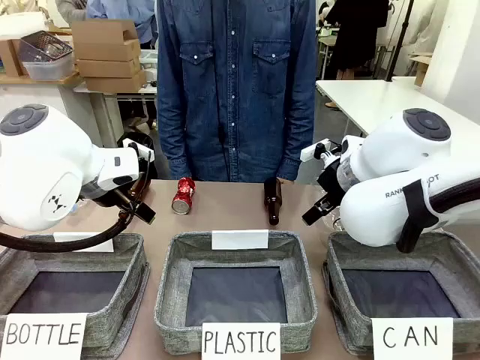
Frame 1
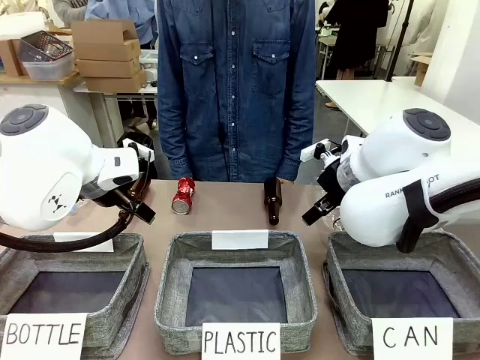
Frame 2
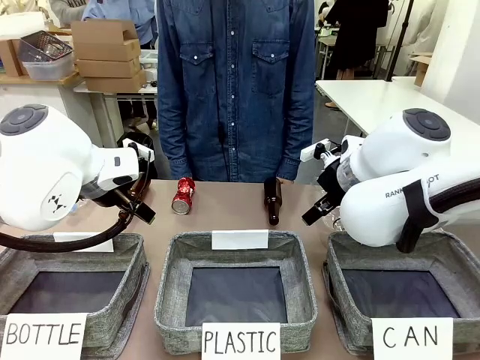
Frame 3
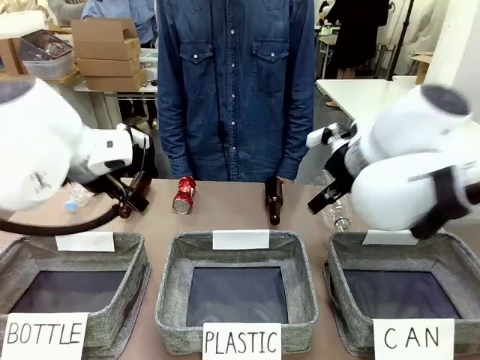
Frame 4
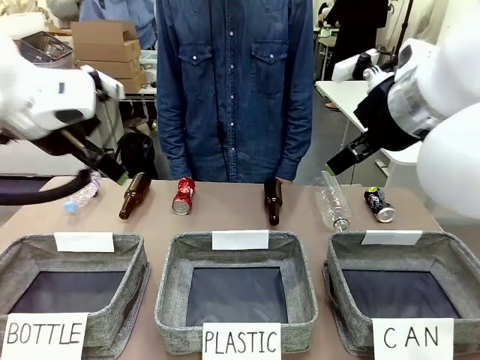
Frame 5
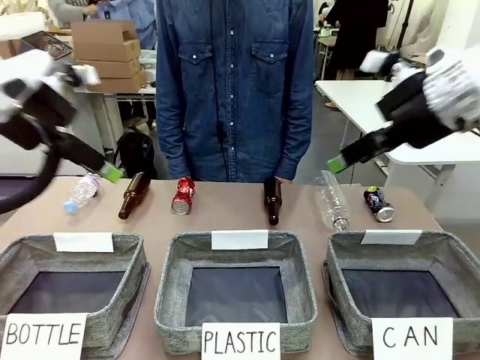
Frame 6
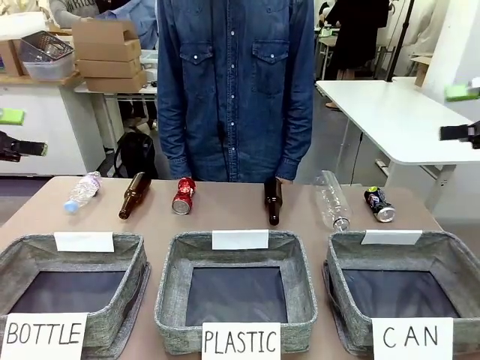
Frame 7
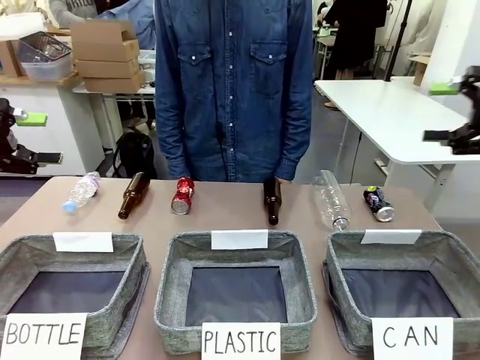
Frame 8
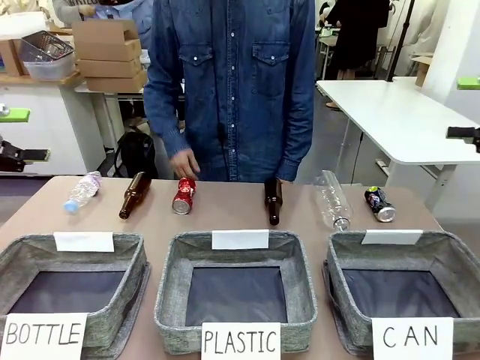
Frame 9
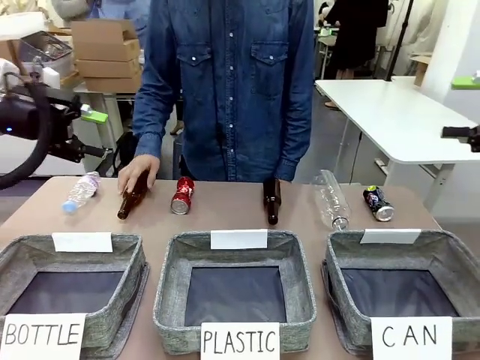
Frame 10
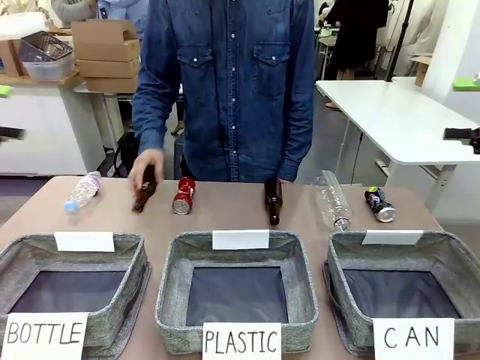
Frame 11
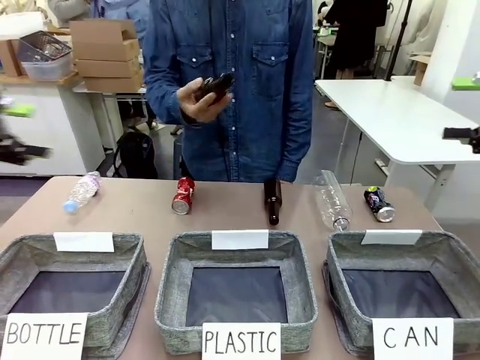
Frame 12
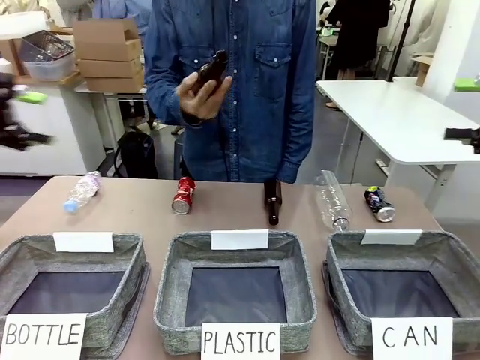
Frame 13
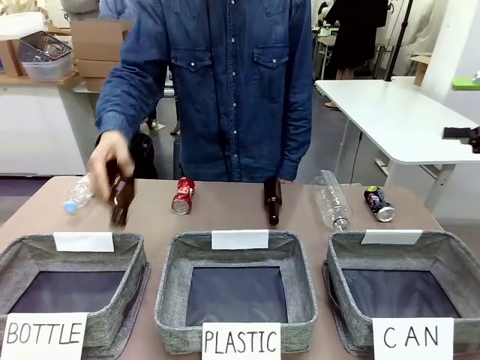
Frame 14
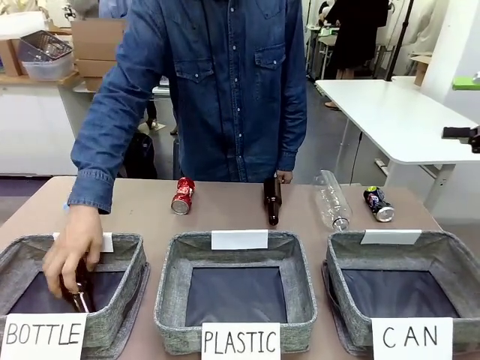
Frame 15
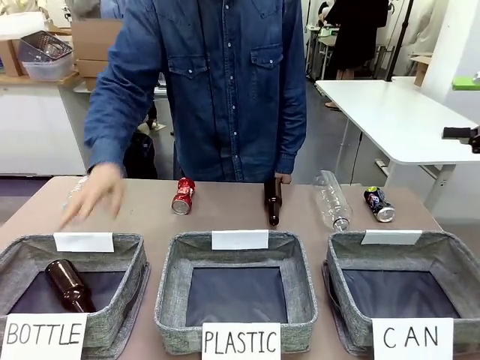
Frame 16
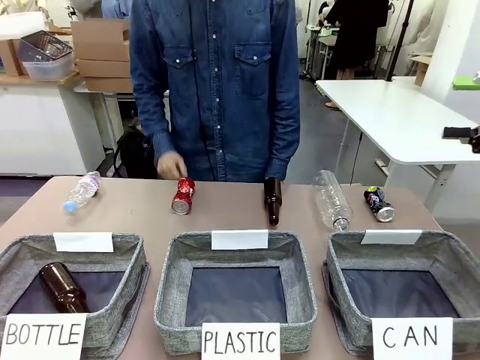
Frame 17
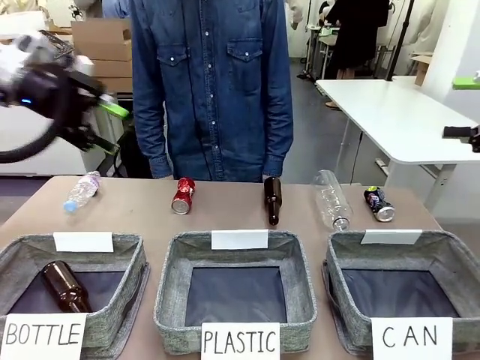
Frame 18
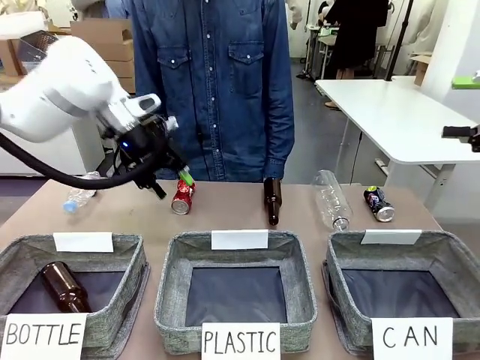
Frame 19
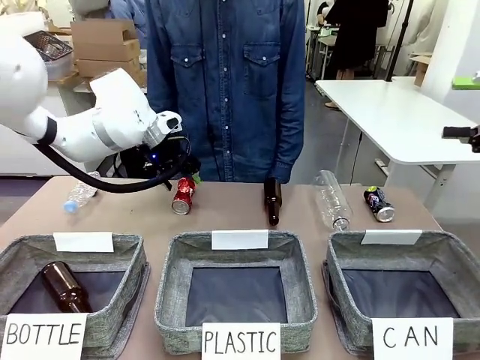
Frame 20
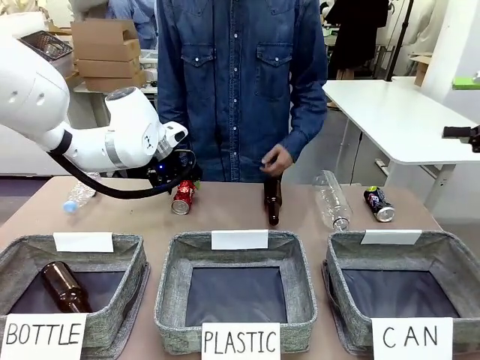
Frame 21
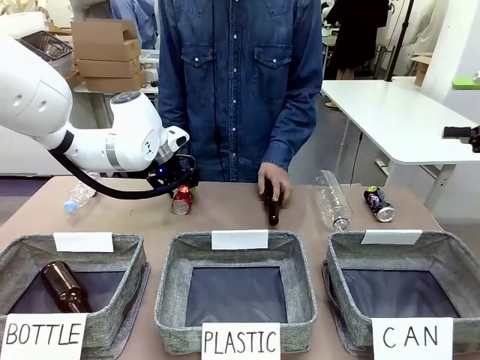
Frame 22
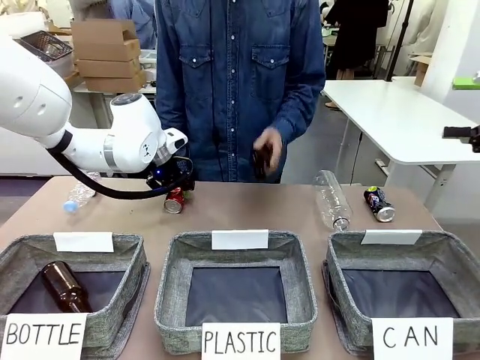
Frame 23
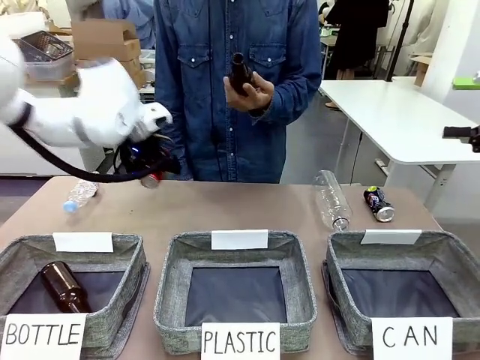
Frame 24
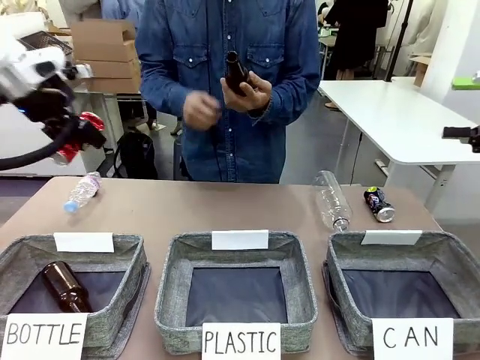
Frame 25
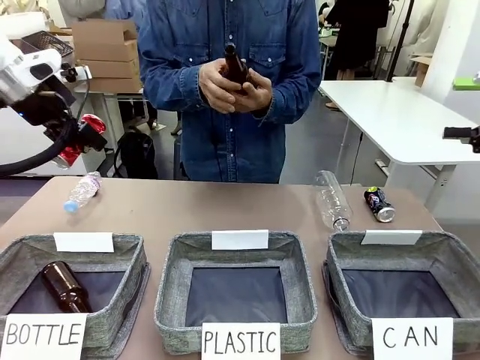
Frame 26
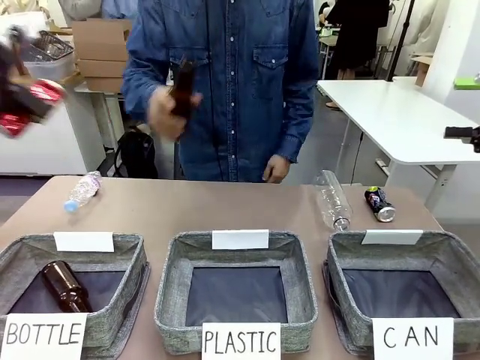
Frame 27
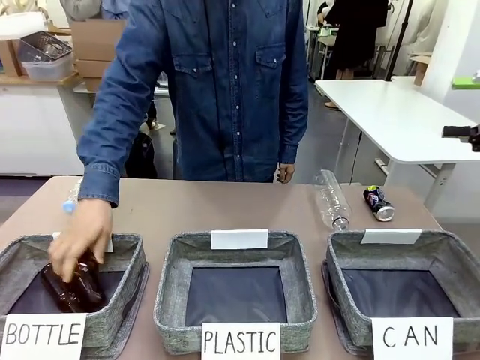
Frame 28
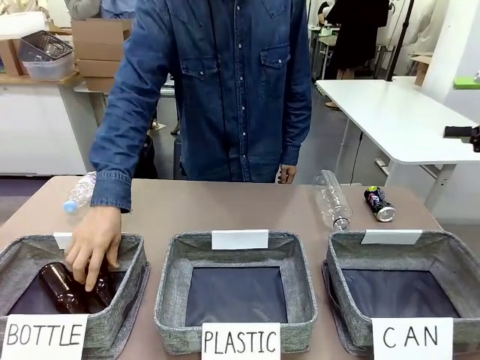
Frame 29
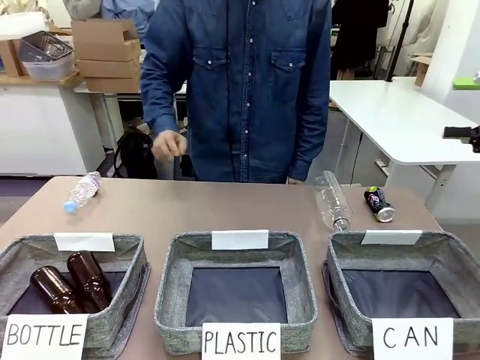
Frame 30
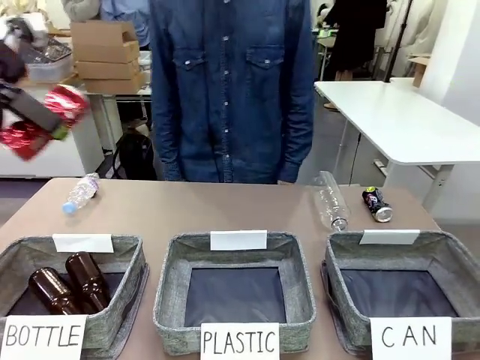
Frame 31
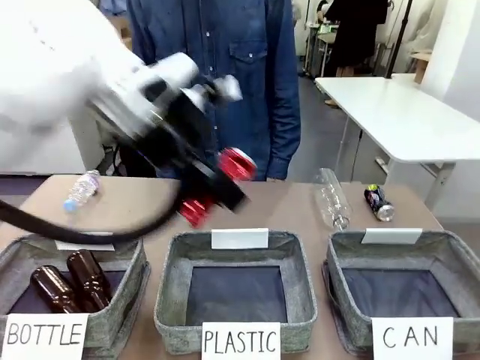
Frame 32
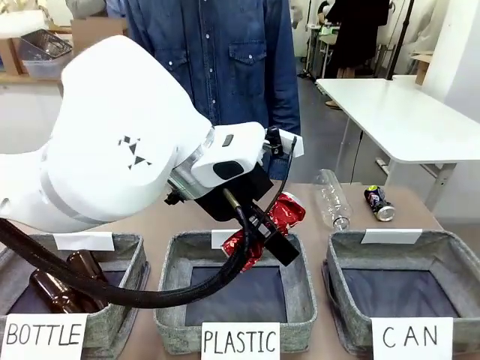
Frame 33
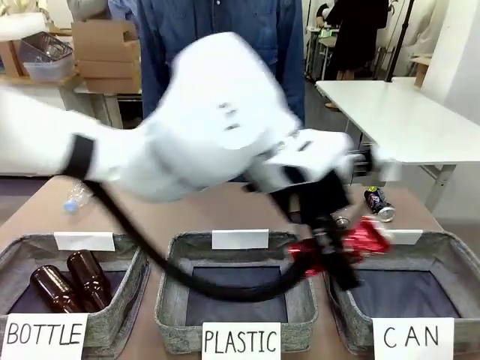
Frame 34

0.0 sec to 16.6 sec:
Task: Sort the can waste into the basket.
Robot: Pick up the can waste from the table and place it in the right Fabric basket.

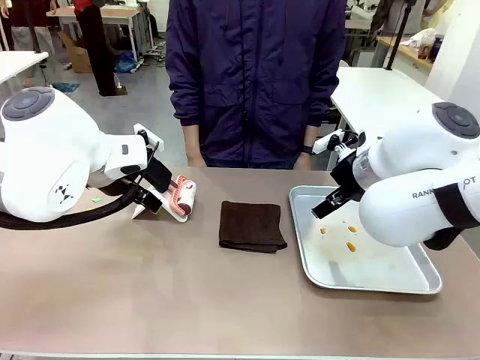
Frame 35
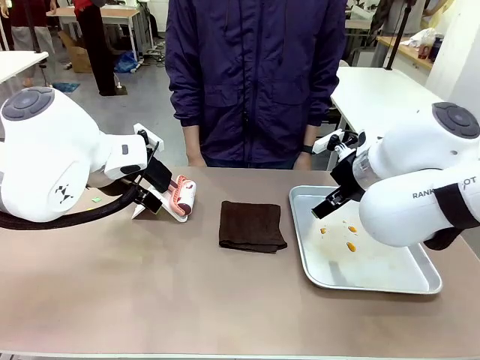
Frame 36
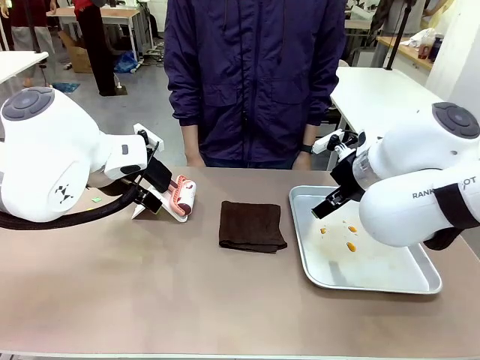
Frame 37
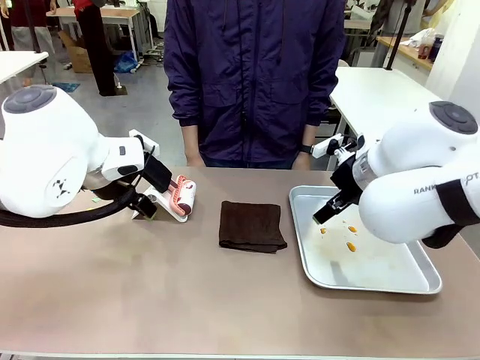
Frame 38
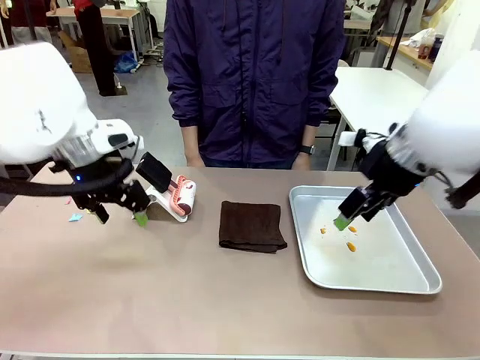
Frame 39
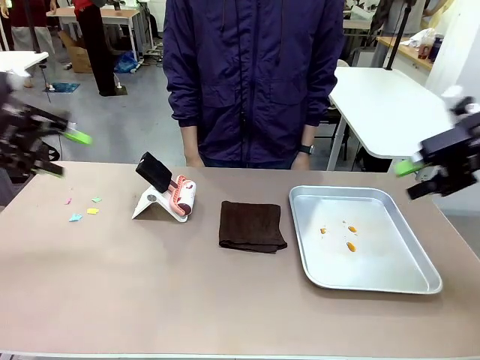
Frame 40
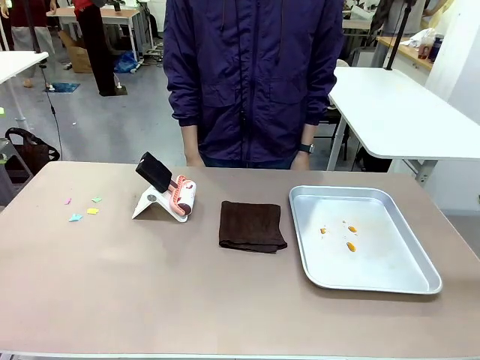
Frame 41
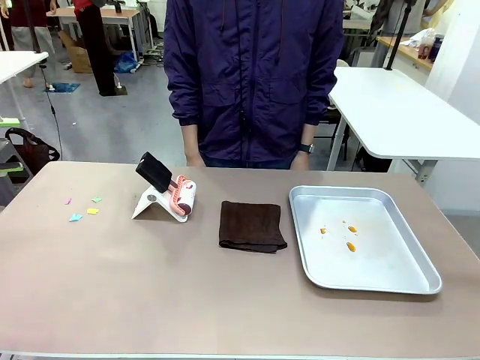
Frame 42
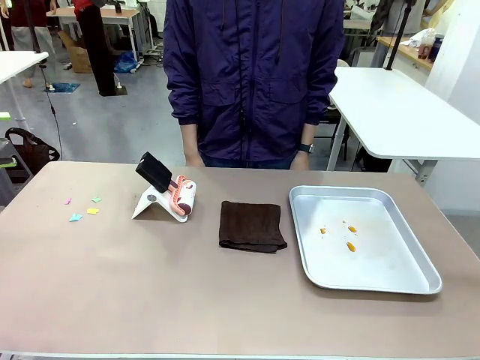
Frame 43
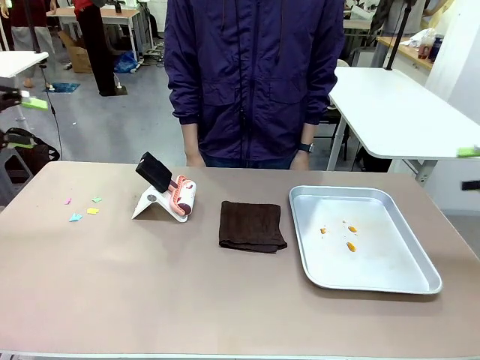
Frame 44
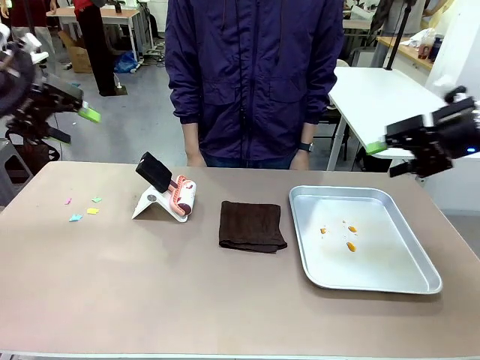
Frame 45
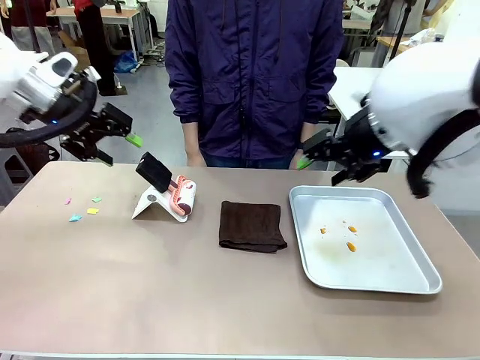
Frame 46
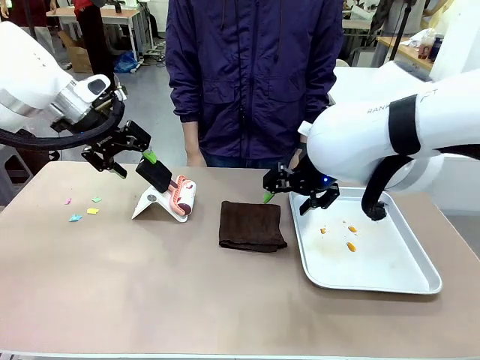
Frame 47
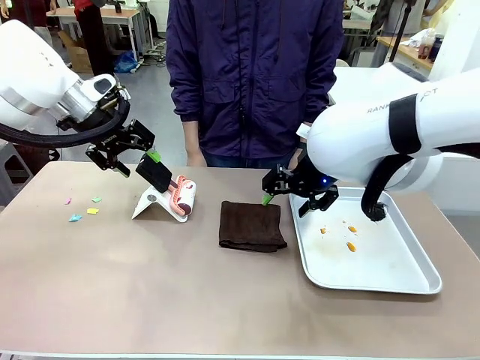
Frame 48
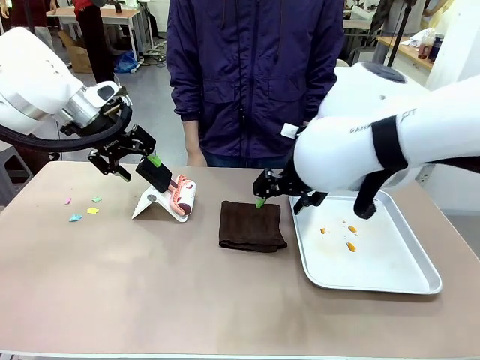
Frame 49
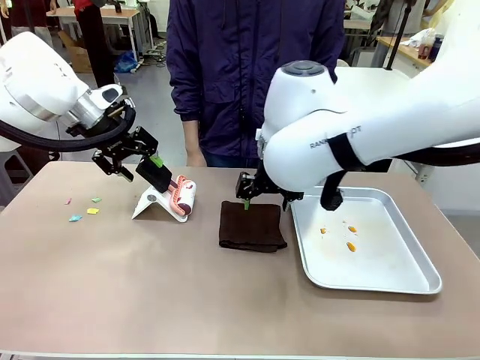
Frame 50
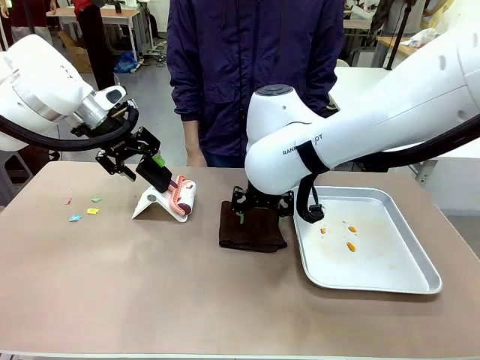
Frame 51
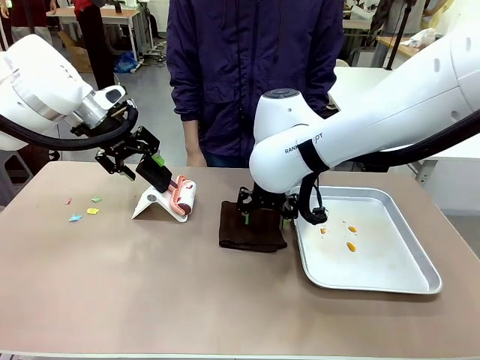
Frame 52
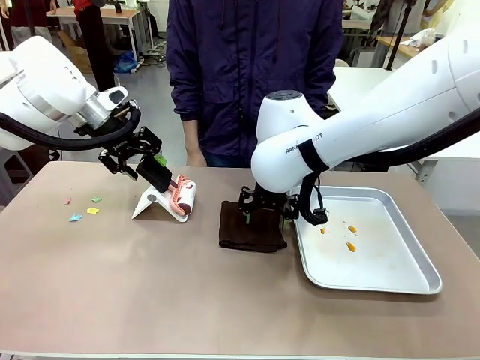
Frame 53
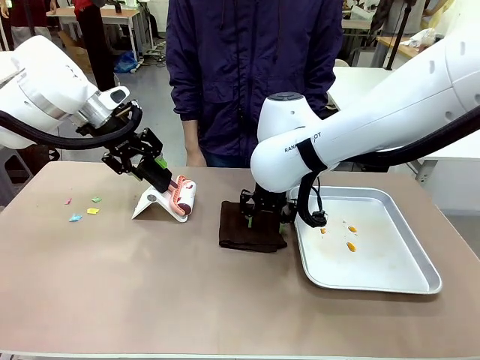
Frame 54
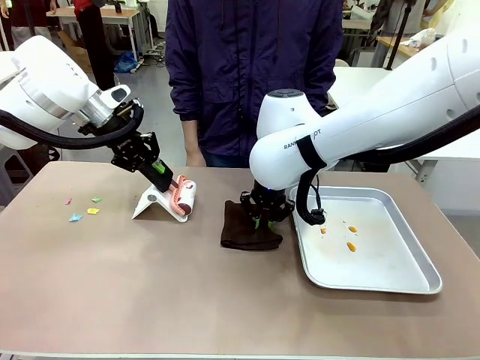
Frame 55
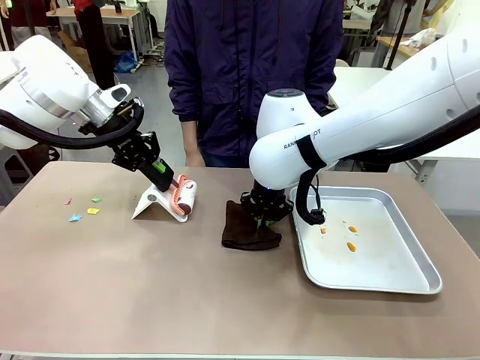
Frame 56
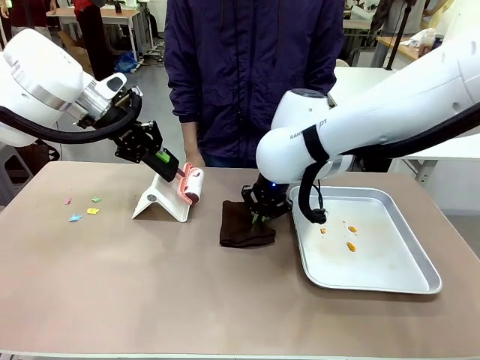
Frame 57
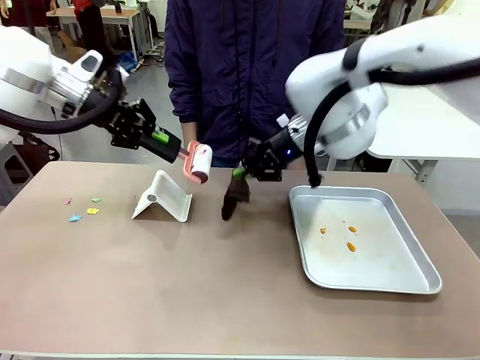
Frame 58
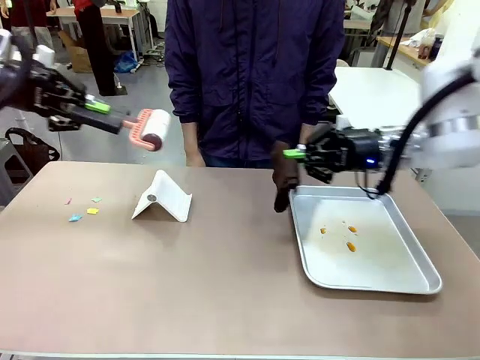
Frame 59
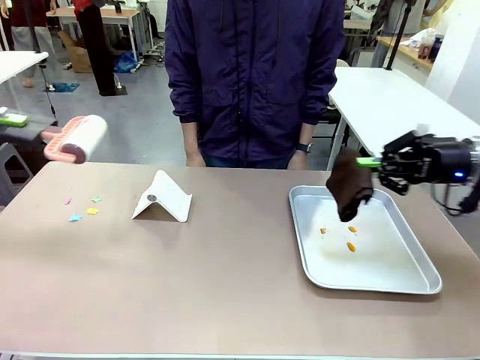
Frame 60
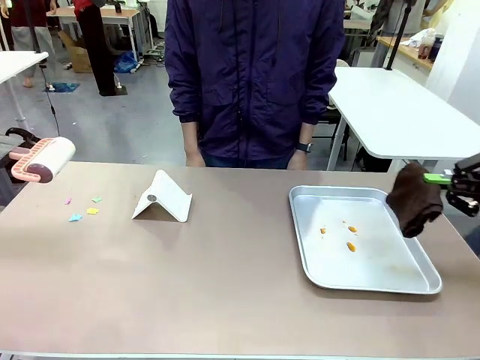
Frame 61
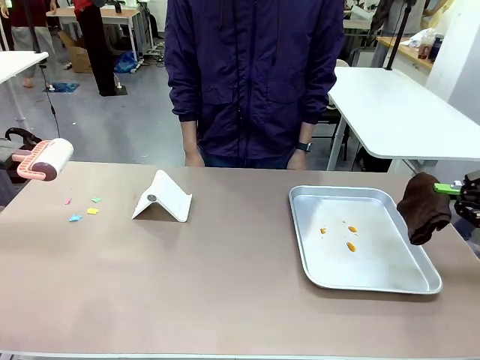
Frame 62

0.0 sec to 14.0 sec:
Task: Clean the surface of the table.
Robot: Hold the Lint Roller with your left hand and the towel with your right hand.
